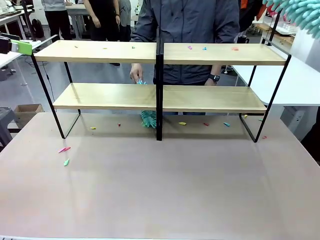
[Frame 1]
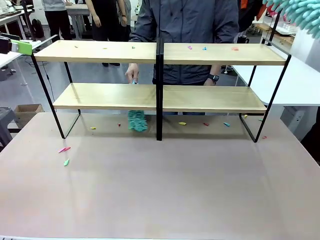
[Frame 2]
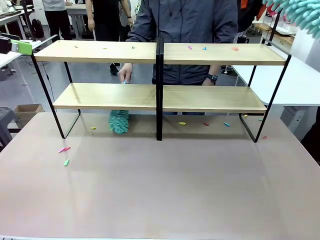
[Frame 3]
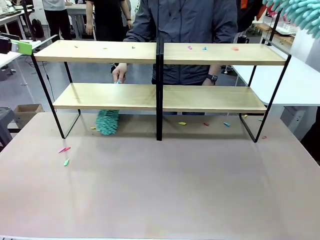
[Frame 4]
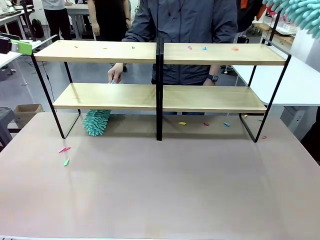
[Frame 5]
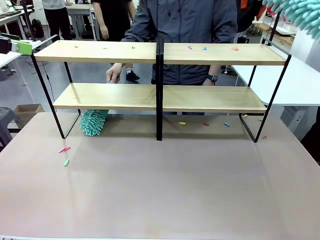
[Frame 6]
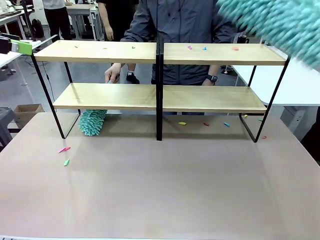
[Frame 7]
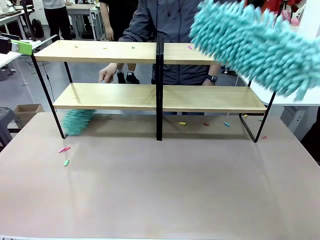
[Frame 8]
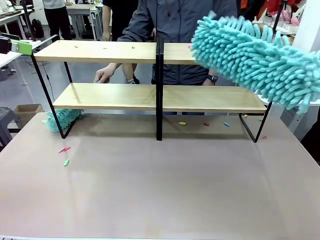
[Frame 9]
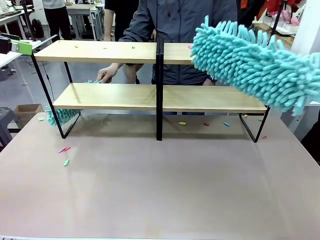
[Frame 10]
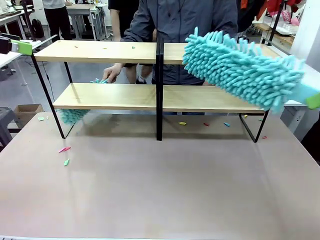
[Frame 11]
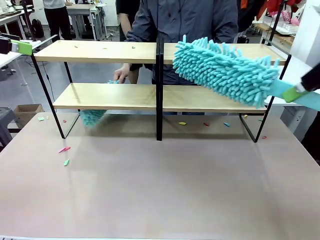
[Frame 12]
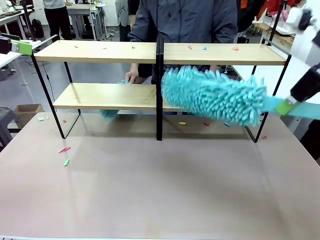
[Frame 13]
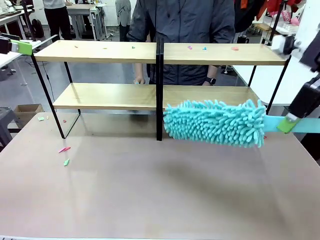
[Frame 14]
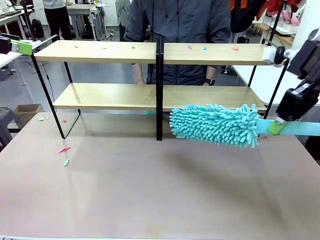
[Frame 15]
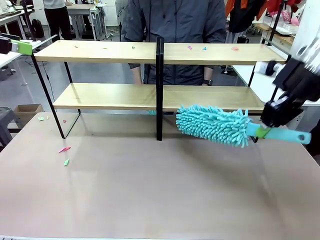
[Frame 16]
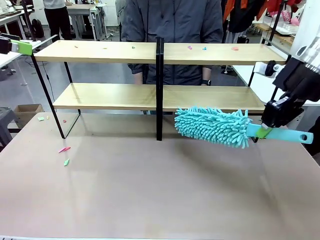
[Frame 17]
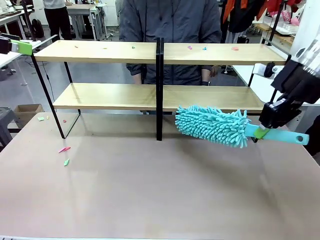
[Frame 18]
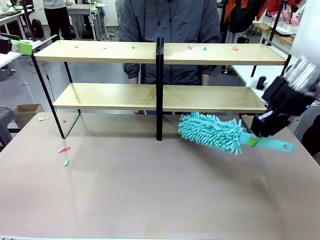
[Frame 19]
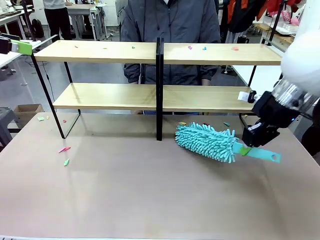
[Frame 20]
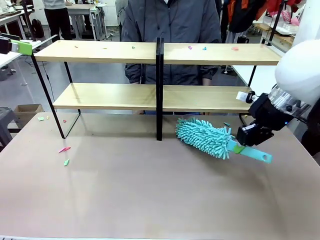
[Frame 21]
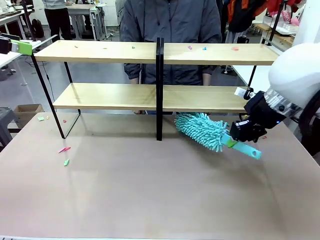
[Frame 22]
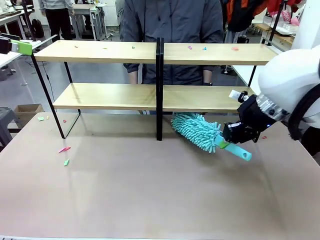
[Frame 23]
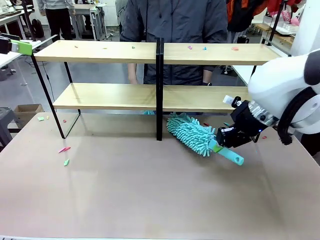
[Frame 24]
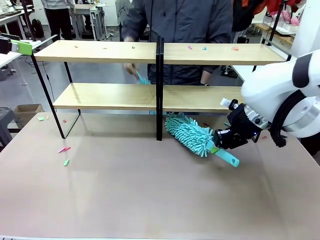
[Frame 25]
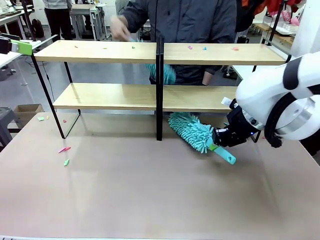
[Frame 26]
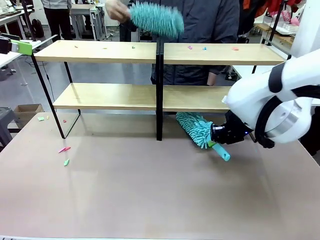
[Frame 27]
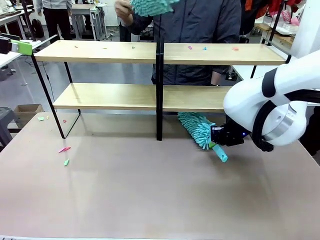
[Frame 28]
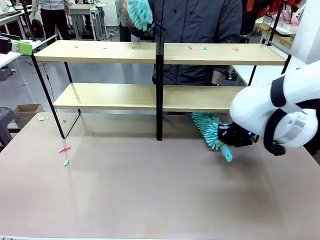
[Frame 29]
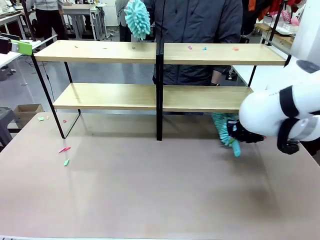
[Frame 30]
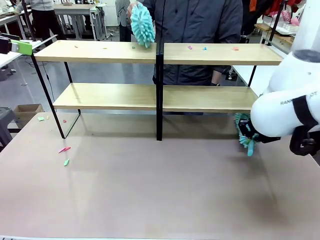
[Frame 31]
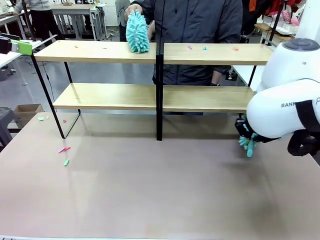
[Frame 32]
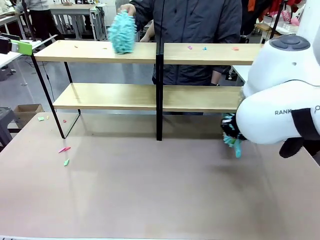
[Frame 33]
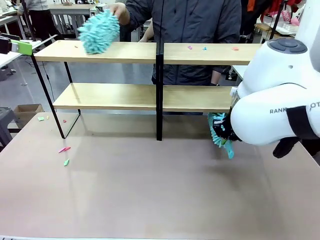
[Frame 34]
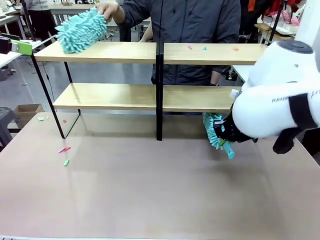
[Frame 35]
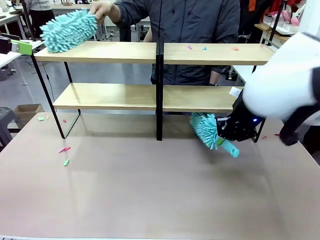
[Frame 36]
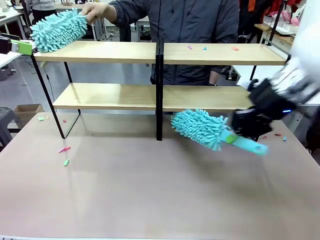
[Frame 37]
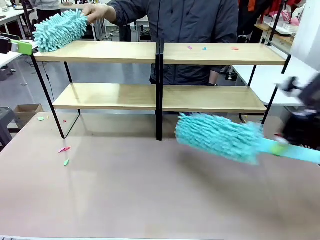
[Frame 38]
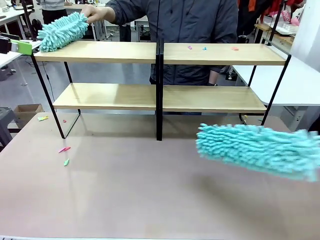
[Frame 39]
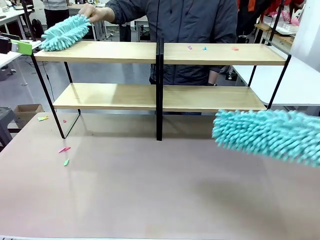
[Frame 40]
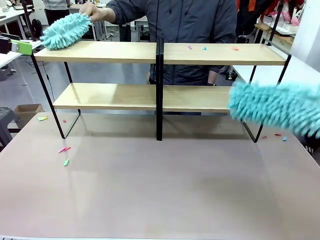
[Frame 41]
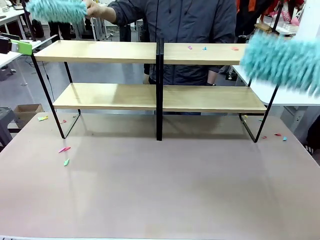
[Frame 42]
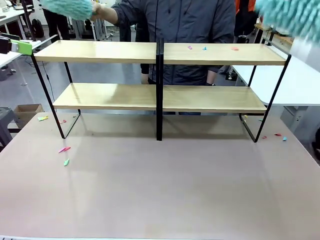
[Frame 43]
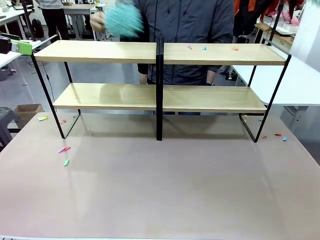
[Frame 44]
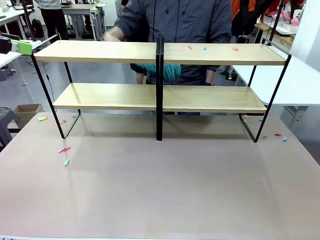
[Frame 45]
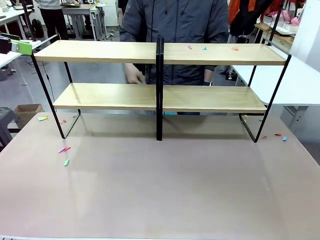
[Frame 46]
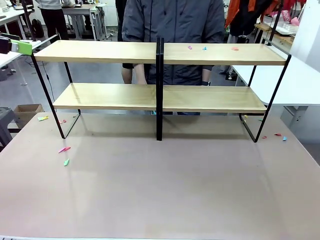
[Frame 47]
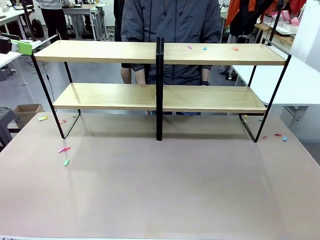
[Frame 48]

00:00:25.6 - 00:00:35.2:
Task: Clean the shelves.
Robot: Clean another randomly selected level of the Shelf with the Duster.

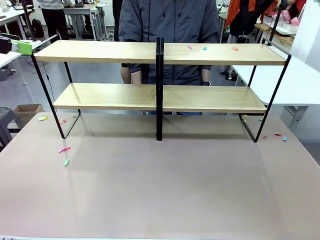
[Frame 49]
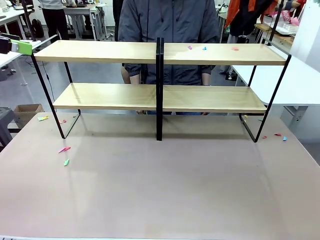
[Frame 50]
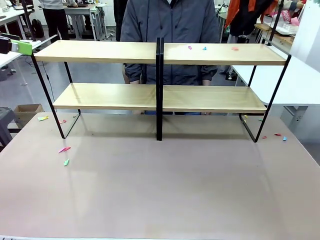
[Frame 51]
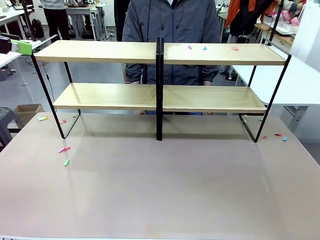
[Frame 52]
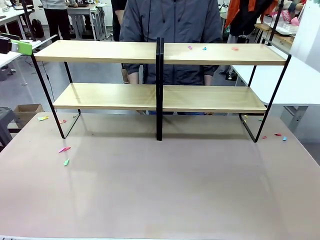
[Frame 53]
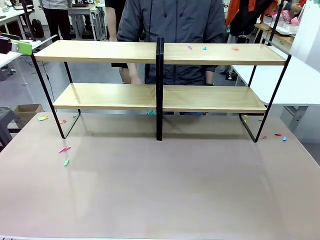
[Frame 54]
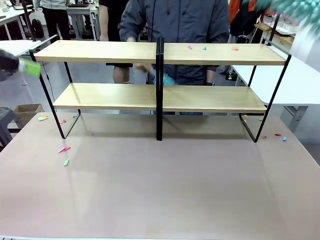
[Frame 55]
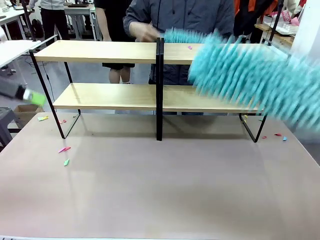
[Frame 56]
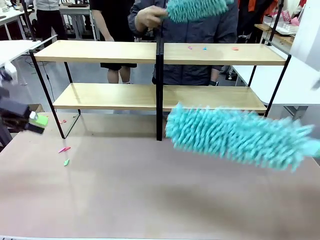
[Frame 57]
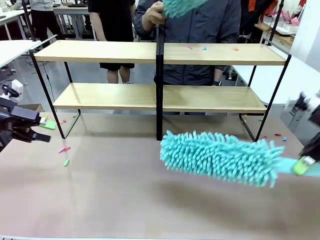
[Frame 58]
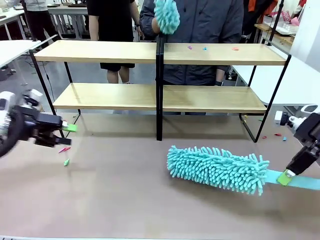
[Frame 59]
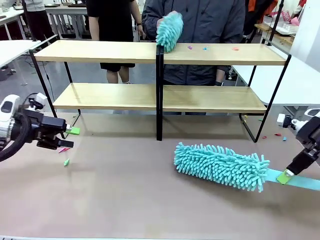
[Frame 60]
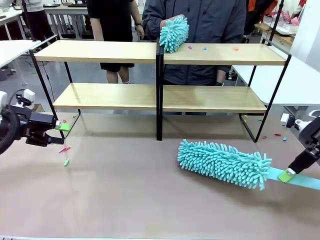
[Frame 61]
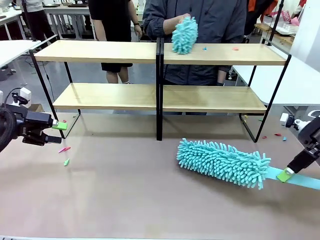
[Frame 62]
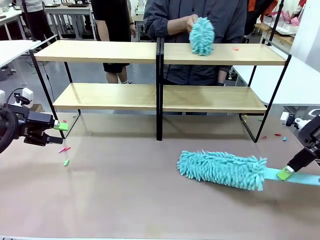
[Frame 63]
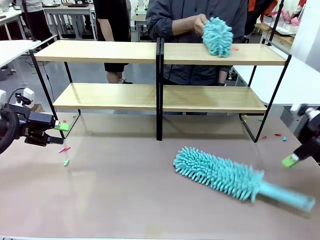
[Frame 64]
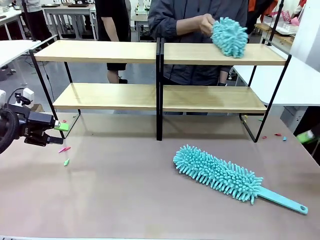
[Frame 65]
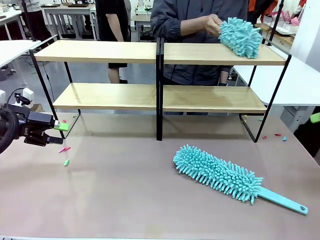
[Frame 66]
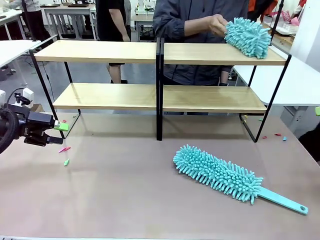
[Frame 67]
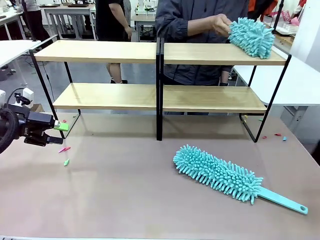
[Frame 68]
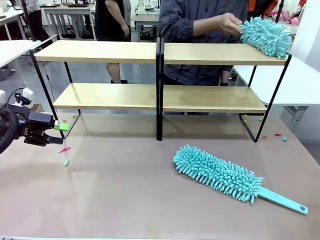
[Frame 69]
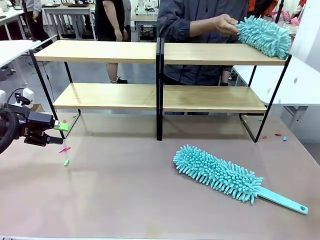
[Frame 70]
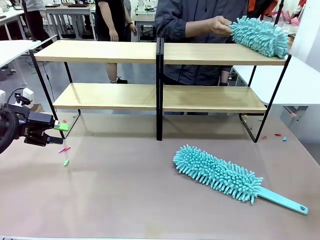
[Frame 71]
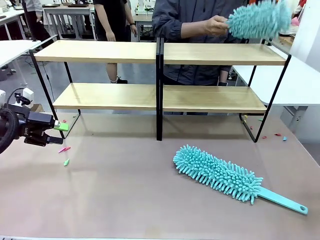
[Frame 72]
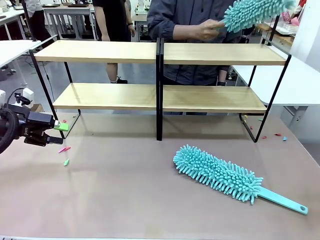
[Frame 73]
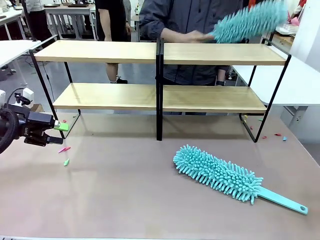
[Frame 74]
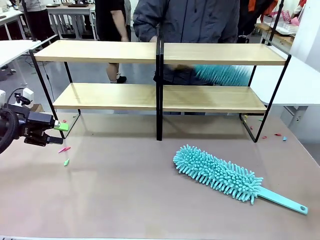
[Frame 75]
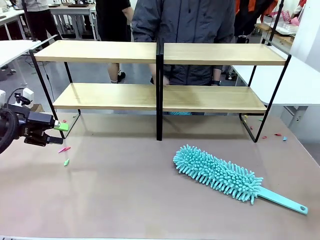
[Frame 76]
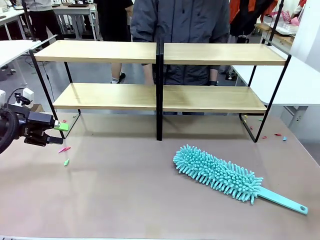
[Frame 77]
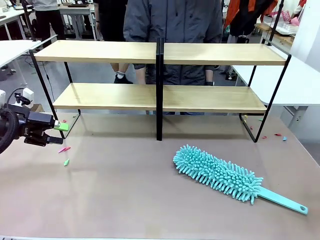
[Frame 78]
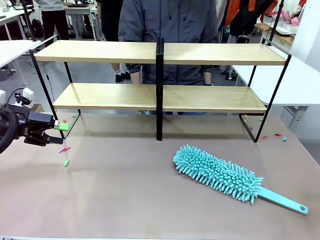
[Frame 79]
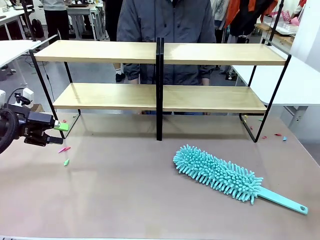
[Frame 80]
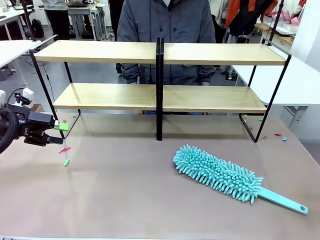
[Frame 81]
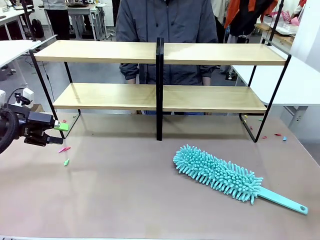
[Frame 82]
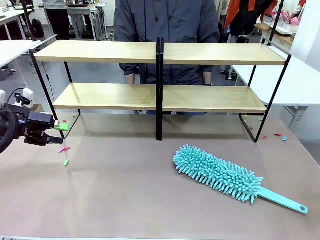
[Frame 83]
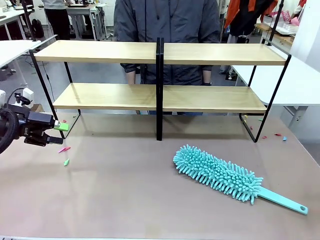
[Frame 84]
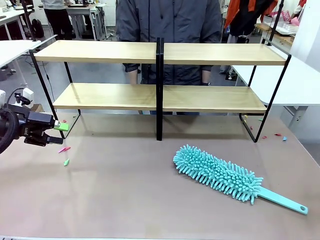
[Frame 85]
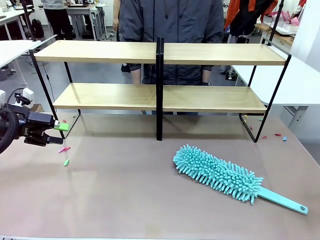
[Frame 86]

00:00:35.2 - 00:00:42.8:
Robot: Place the Duster on the table.
